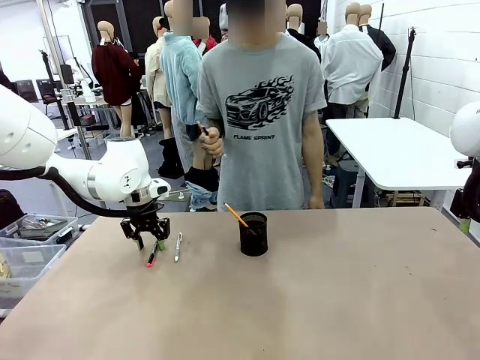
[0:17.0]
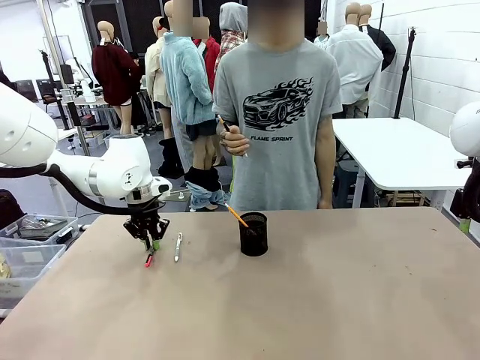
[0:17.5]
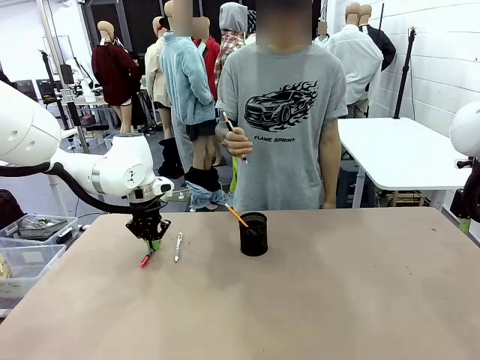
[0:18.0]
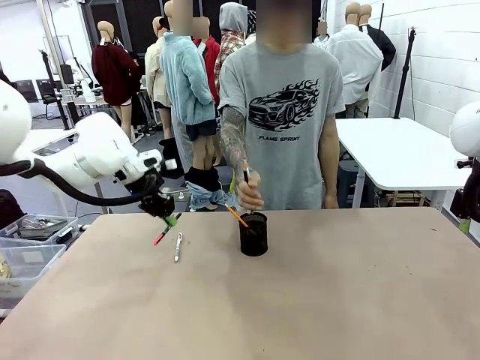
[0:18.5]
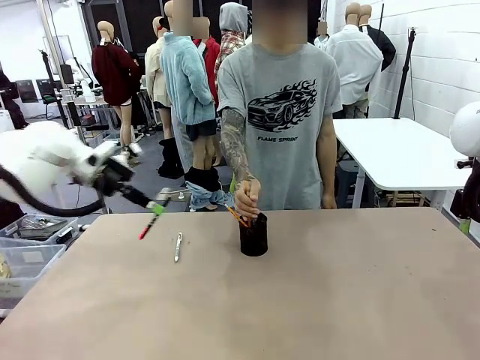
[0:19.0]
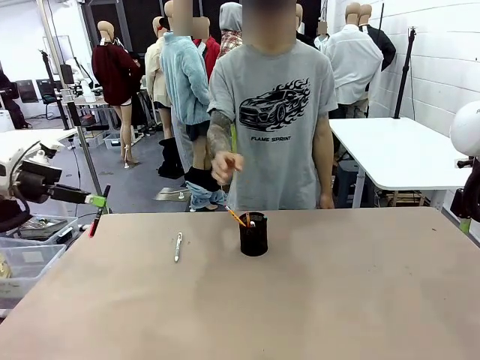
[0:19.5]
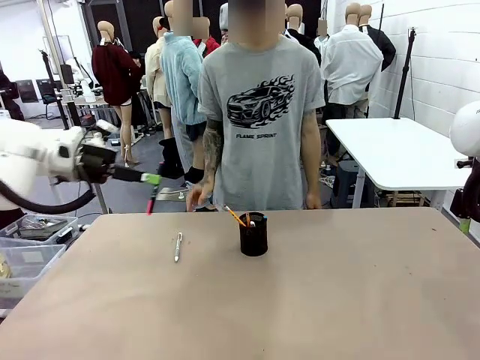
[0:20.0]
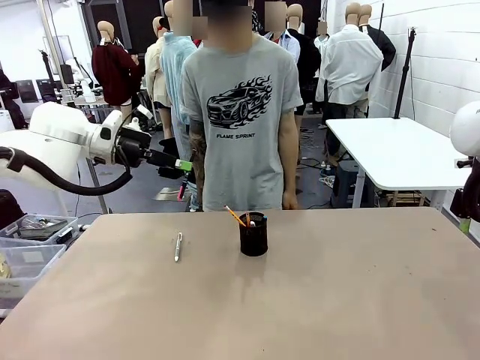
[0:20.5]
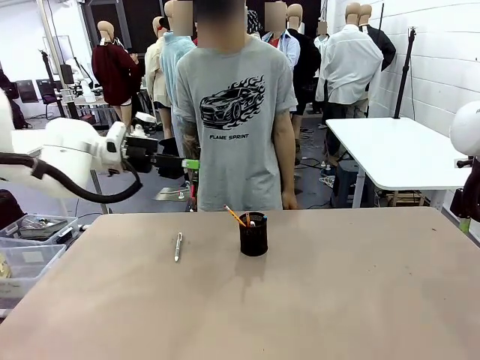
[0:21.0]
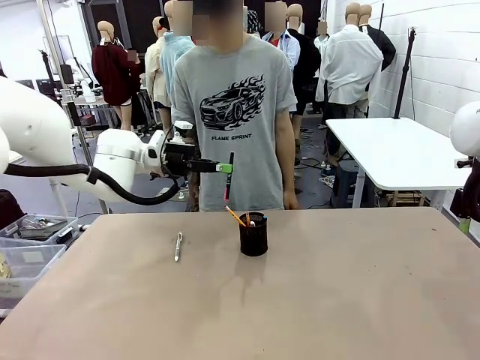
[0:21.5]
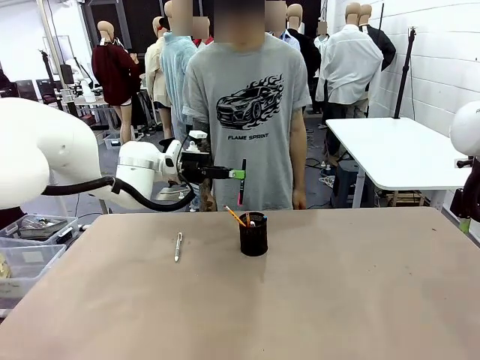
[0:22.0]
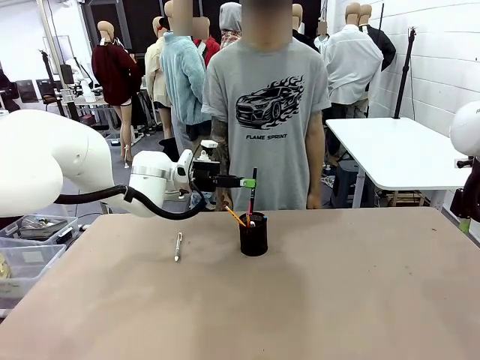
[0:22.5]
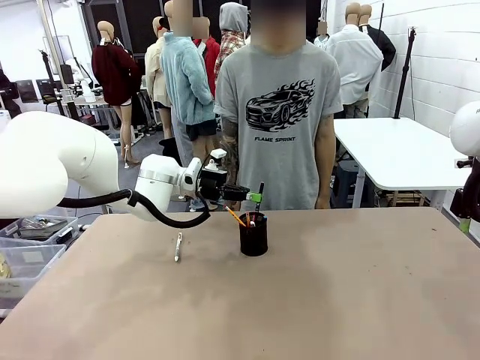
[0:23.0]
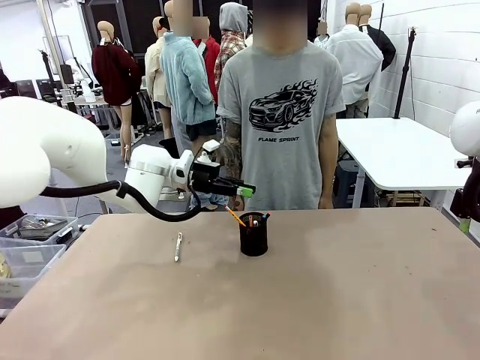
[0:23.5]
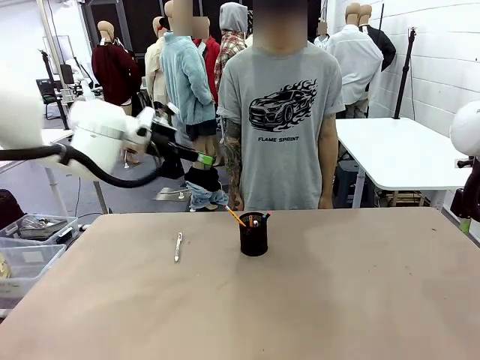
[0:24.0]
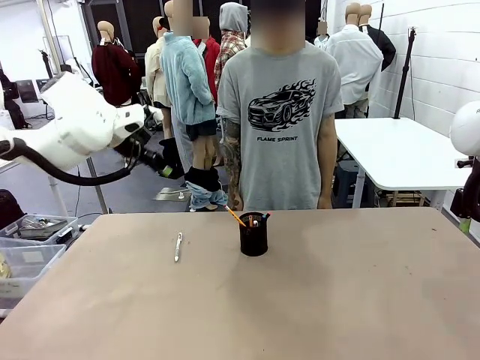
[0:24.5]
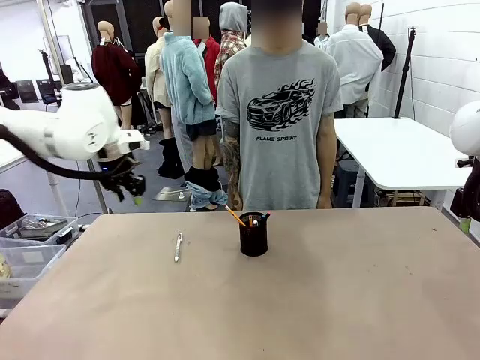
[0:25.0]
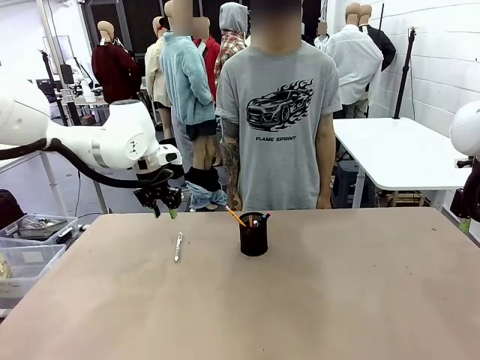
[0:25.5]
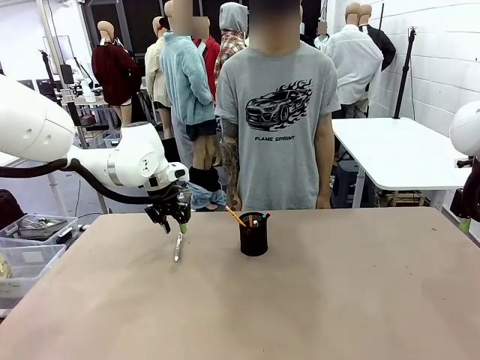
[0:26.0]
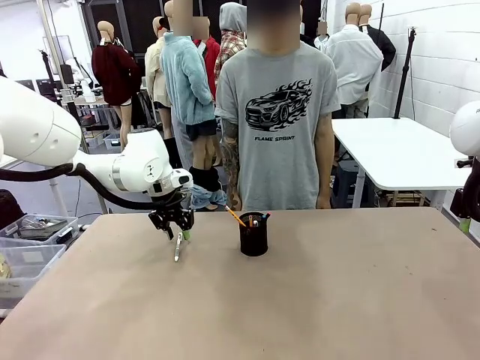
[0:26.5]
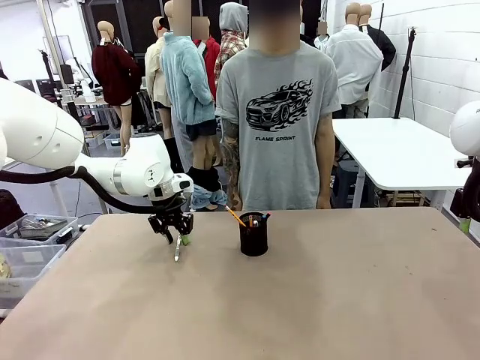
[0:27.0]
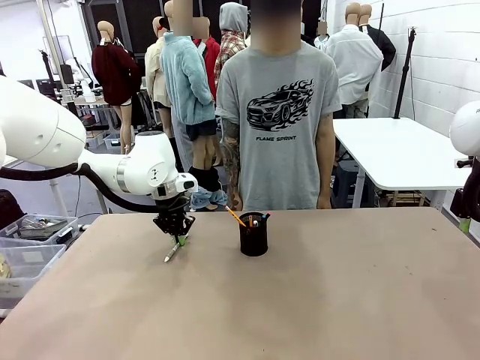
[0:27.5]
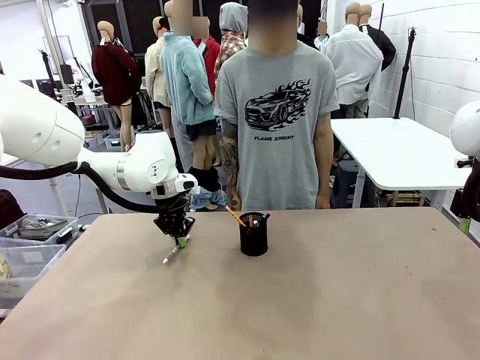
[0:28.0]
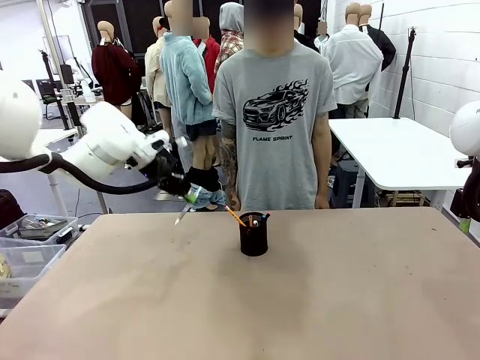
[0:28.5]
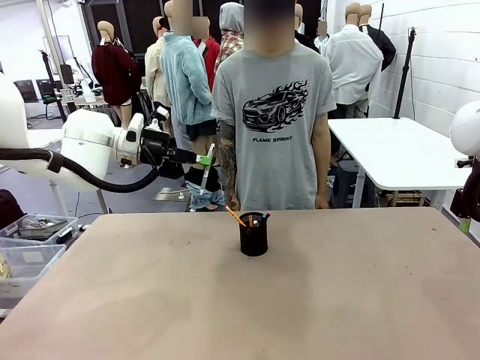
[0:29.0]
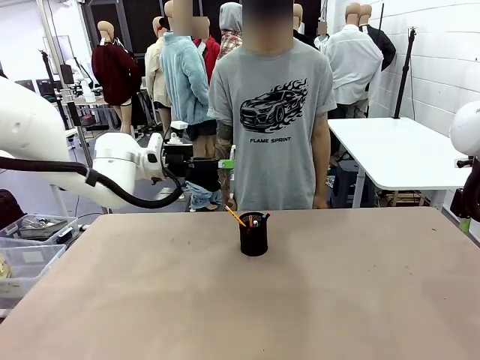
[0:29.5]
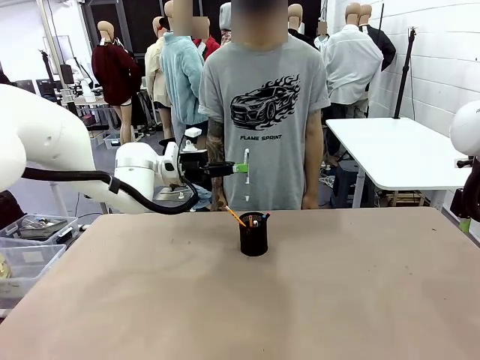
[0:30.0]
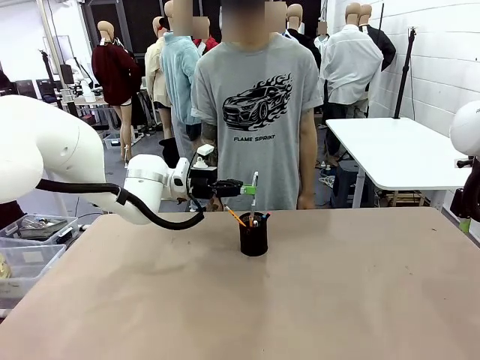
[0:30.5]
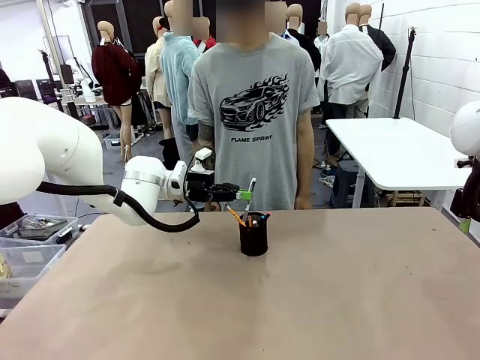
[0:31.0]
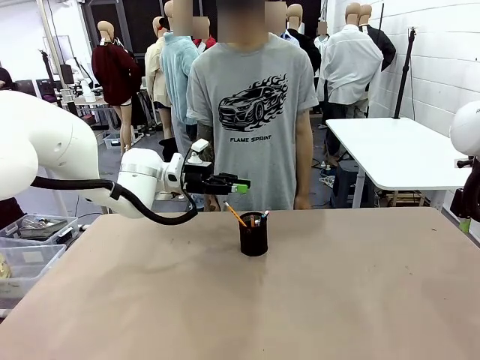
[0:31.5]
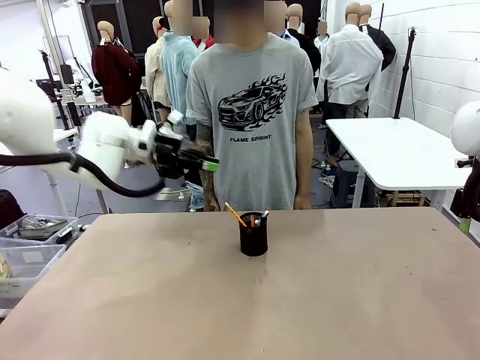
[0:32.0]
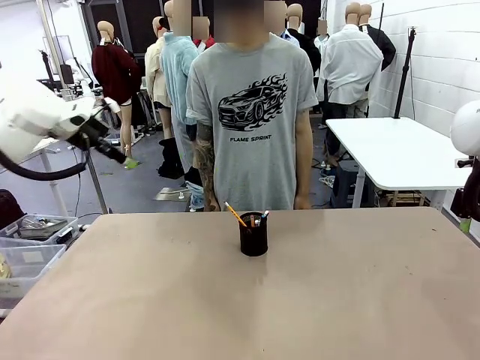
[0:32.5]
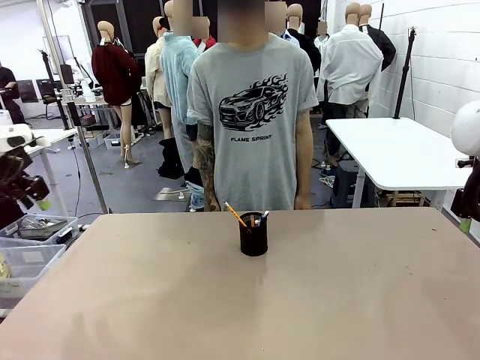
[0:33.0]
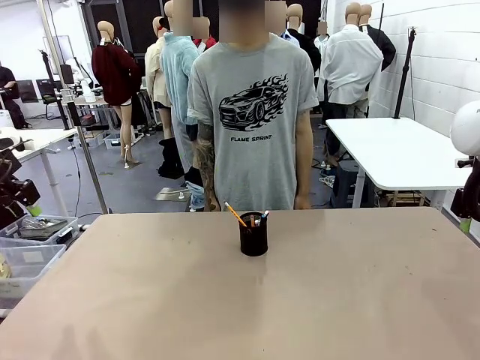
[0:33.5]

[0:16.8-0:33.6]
Task: Place the pens into the pen holder.
Robot: Pick up a writing instrument from the table and place it into the Pen holder.
Person: Place all writing instrument into the Pen holder.
